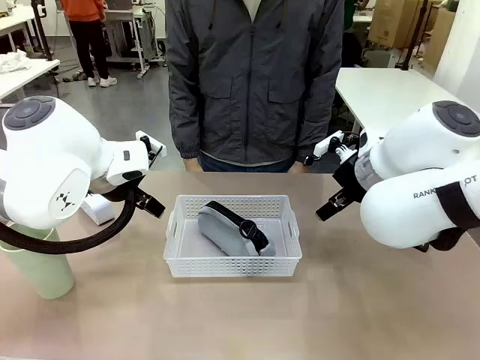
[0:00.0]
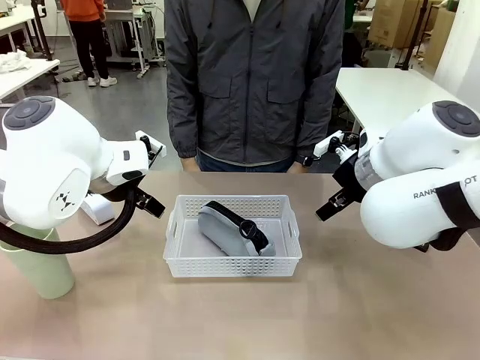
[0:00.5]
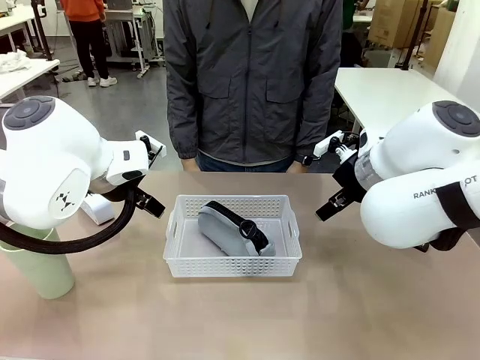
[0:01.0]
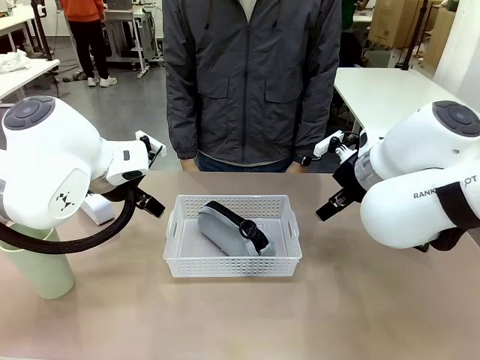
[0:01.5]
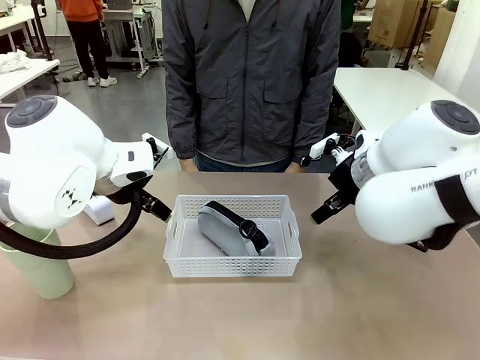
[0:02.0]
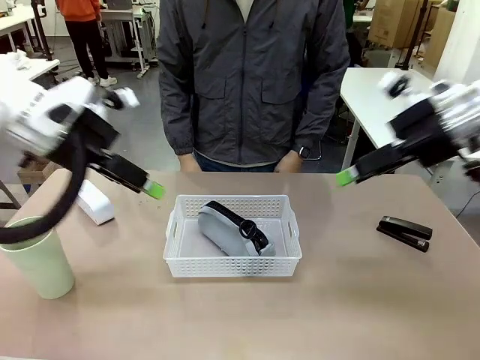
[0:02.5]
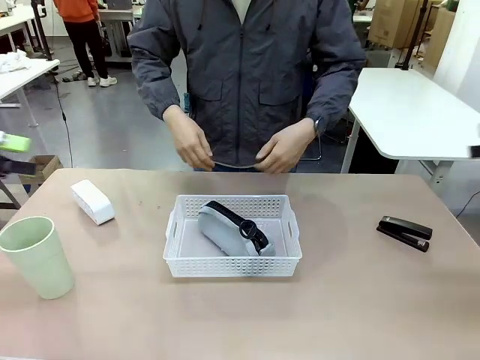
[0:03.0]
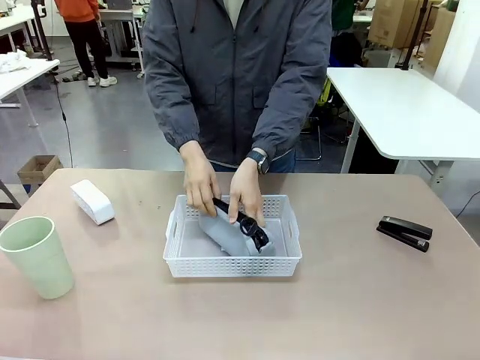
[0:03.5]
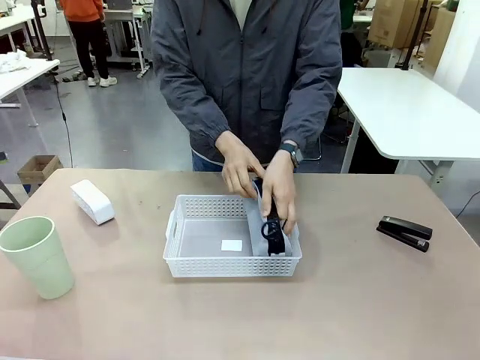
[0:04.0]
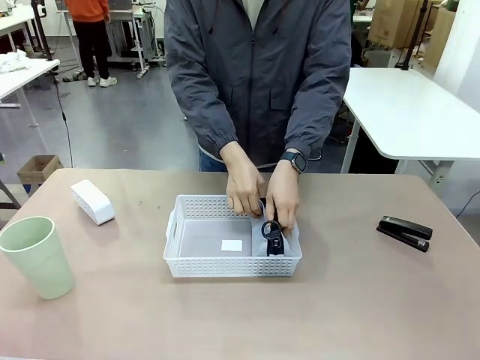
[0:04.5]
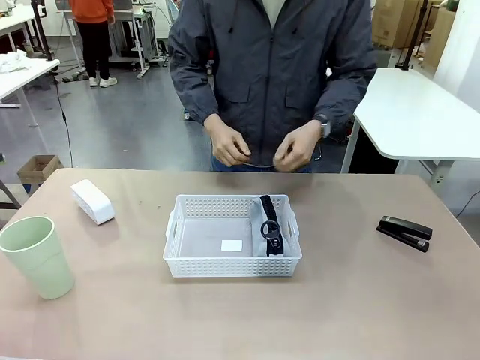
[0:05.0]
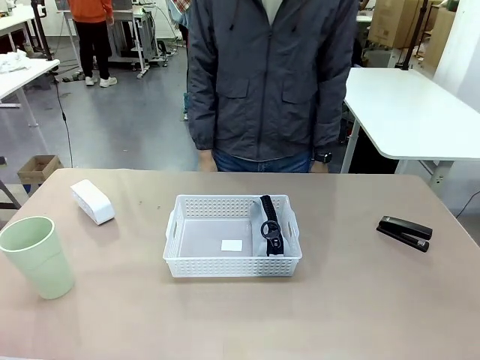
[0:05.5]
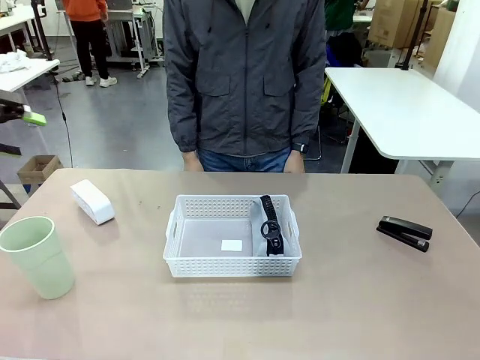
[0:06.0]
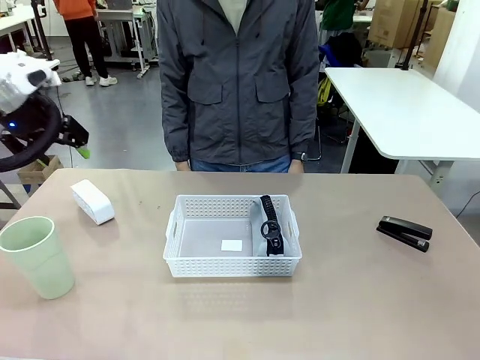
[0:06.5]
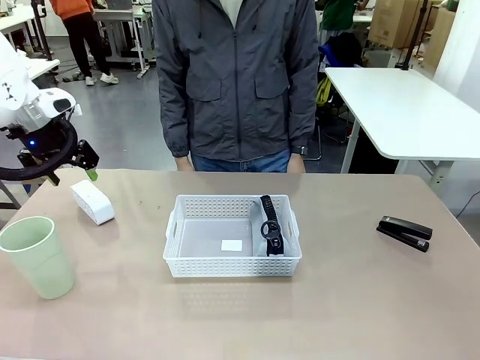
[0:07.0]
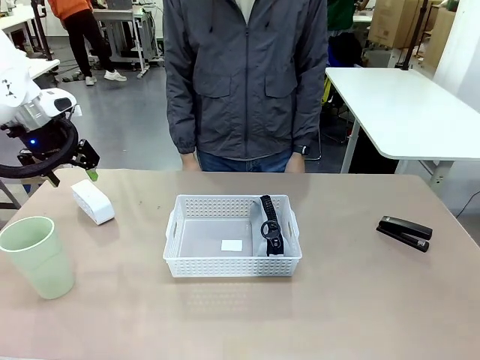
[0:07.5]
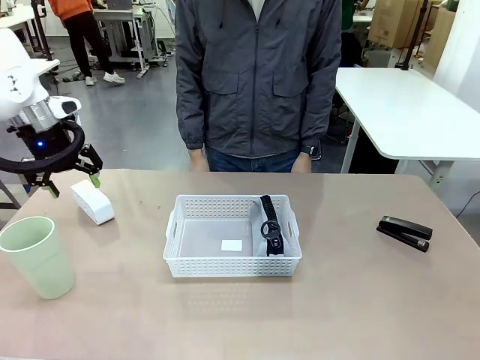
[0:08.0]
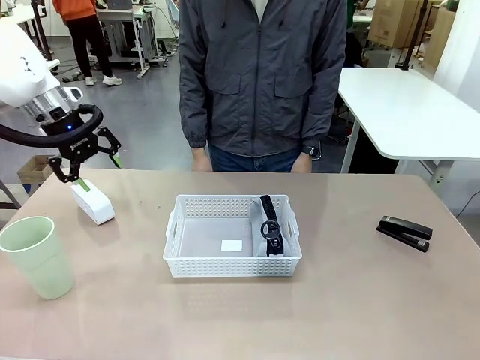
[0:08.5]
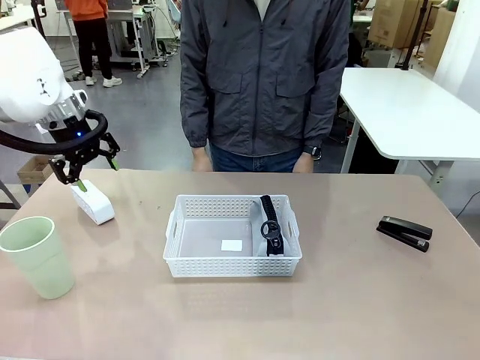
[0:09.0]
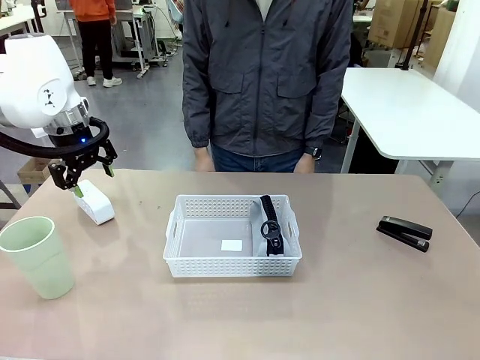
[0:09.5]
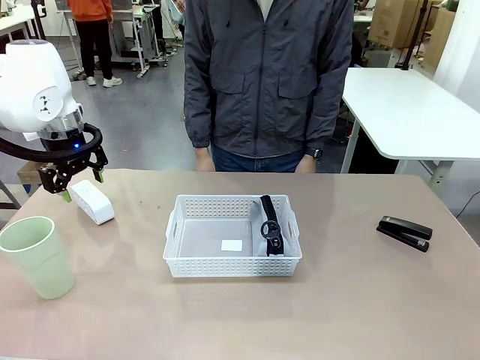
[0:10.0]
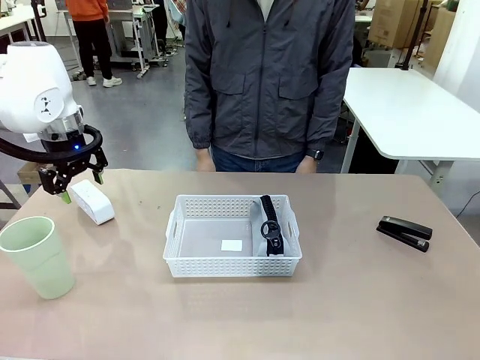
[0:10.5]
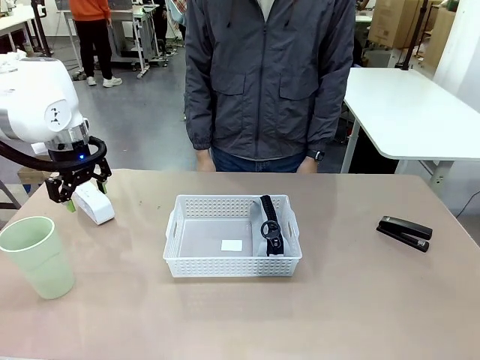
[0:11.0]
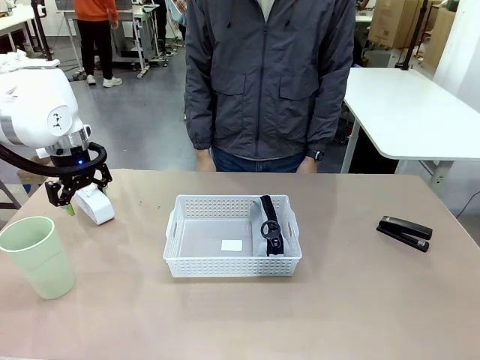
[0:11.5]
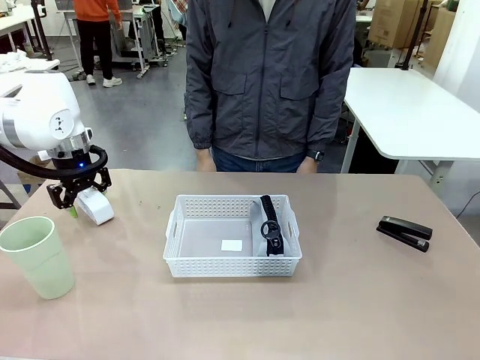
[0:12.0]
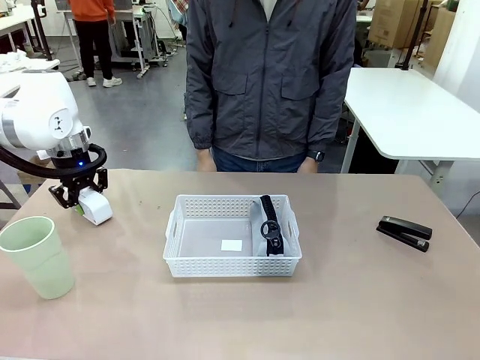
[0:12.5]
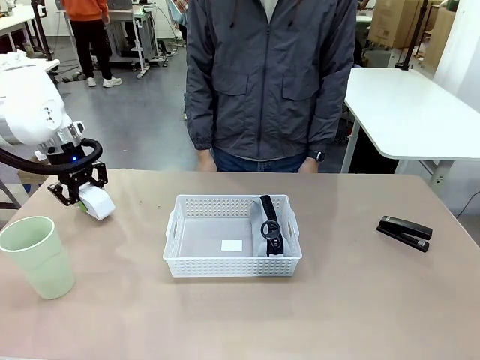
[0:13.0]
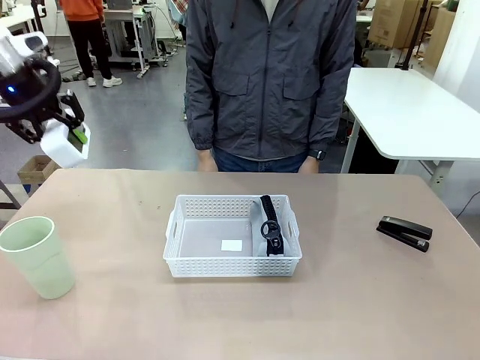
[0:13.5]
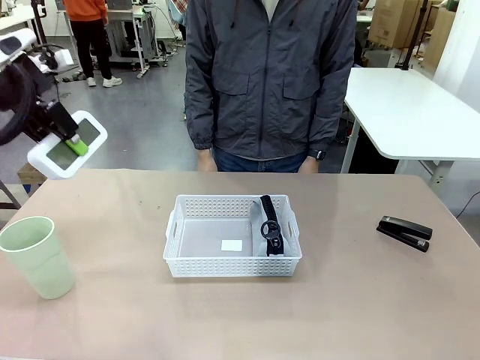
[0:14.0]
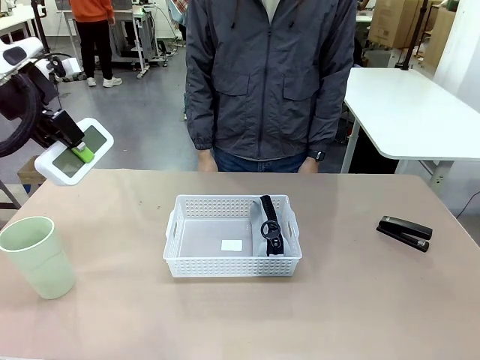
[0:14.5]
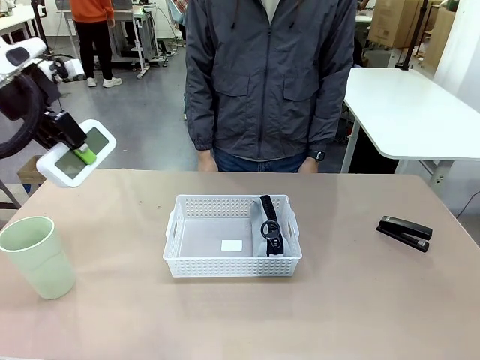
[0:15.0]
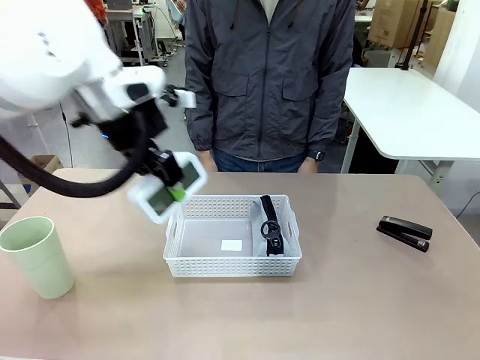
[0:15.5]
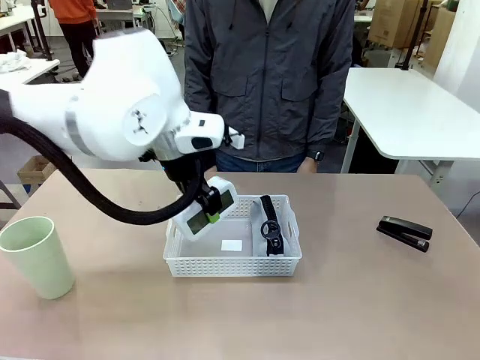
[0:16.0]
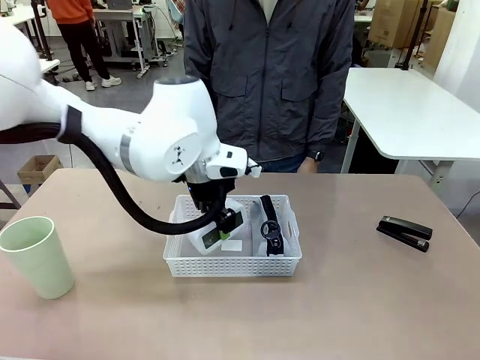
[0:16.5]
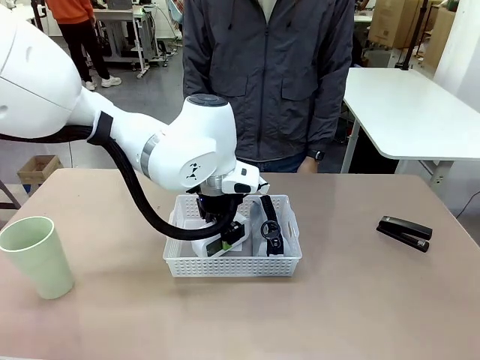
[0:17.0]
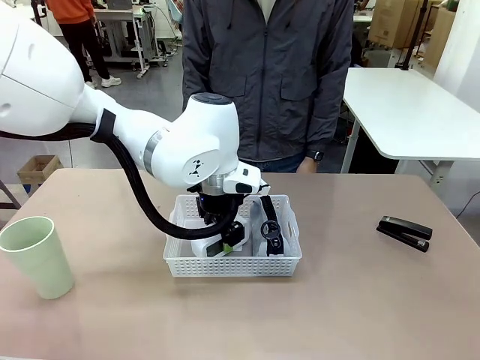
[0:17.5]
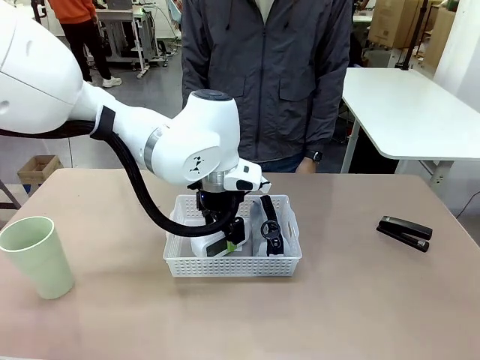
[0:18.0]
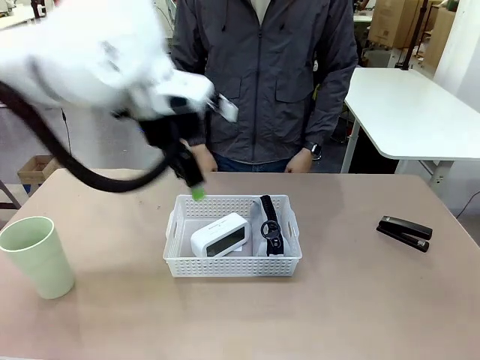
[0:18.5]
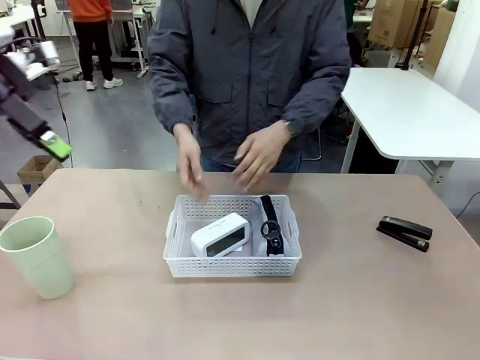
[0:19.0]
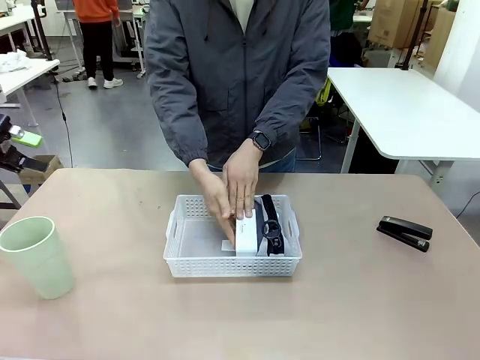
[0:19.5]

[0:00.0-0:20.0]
Task: Efficiently arrange items inside the basket to fit them all.
Robot: Pick up the Digital clock and place it inside the Organizing basket.
Person: Repositions the pencil case. Repositions the digital clock.
